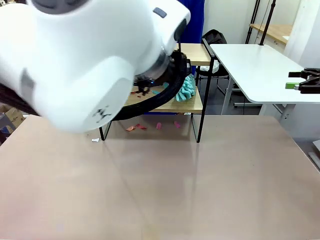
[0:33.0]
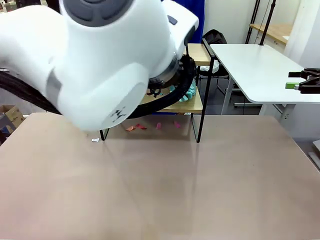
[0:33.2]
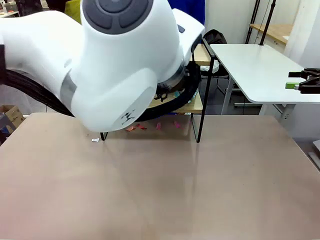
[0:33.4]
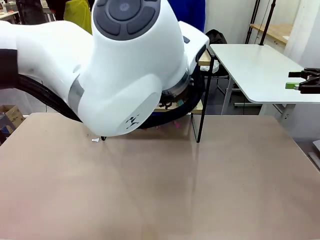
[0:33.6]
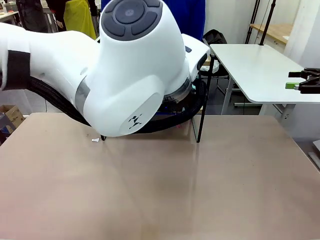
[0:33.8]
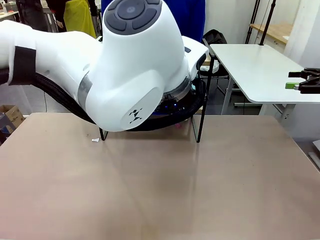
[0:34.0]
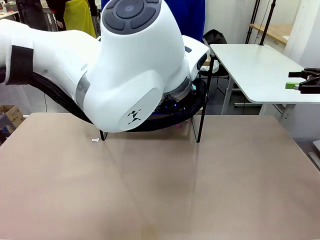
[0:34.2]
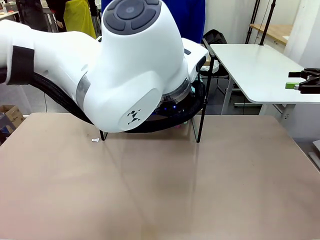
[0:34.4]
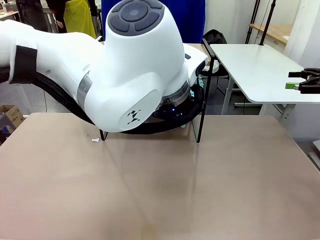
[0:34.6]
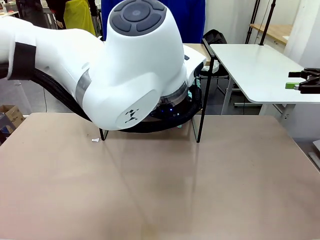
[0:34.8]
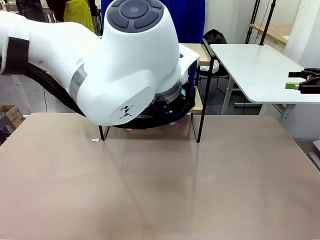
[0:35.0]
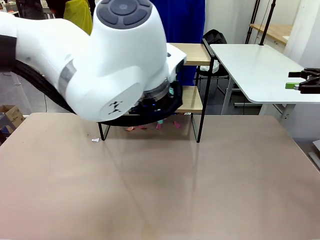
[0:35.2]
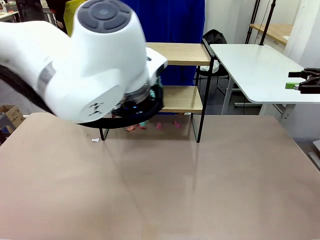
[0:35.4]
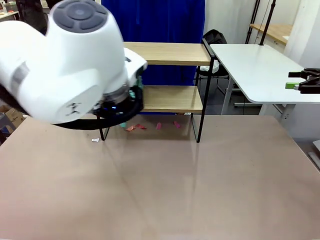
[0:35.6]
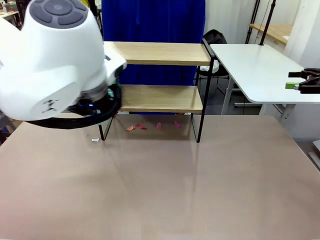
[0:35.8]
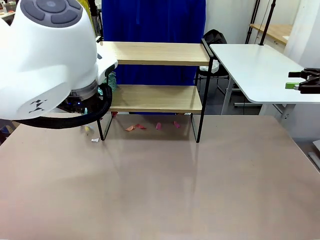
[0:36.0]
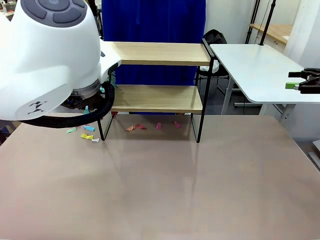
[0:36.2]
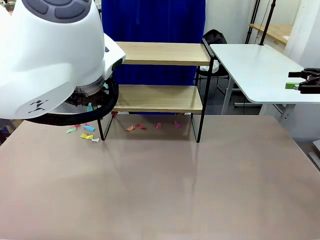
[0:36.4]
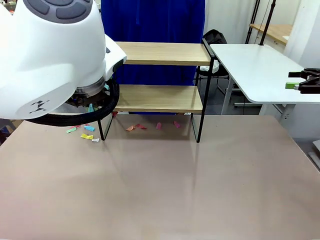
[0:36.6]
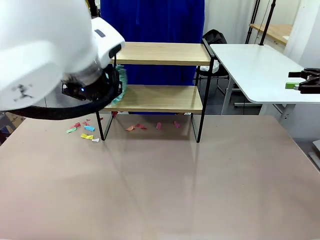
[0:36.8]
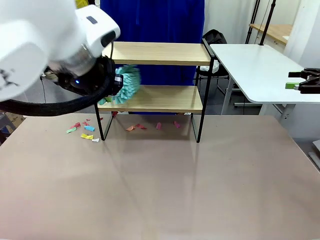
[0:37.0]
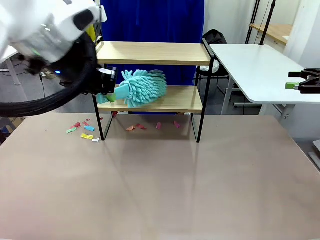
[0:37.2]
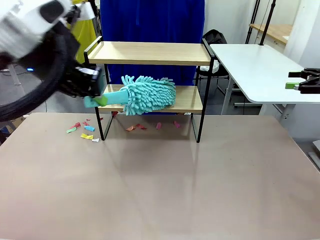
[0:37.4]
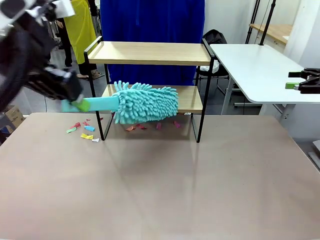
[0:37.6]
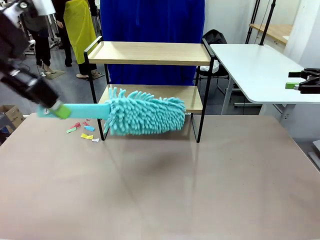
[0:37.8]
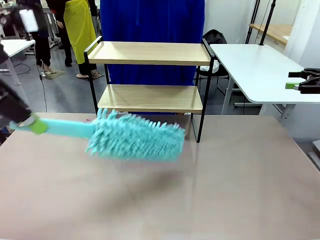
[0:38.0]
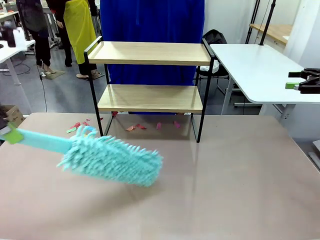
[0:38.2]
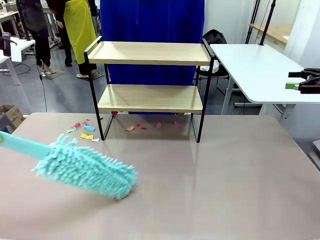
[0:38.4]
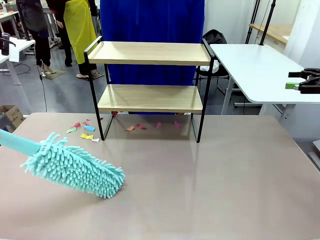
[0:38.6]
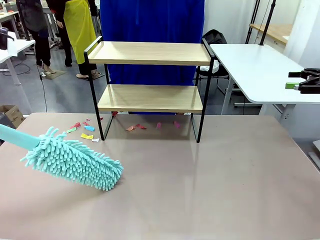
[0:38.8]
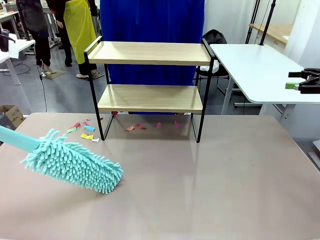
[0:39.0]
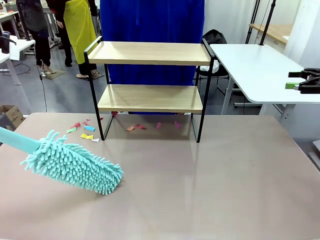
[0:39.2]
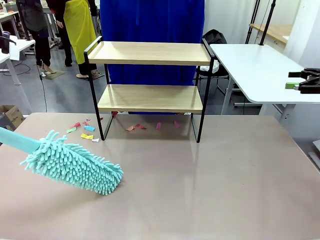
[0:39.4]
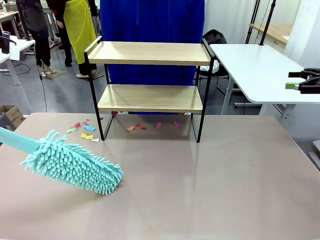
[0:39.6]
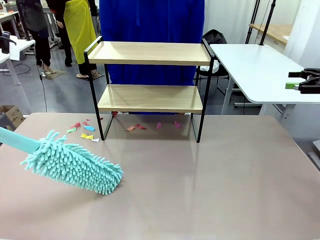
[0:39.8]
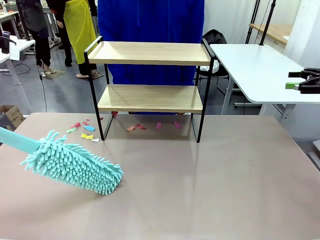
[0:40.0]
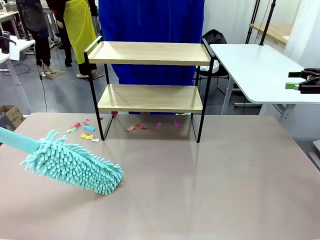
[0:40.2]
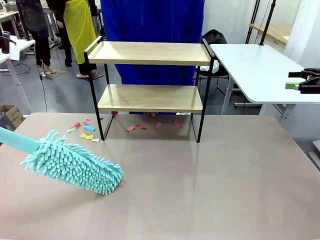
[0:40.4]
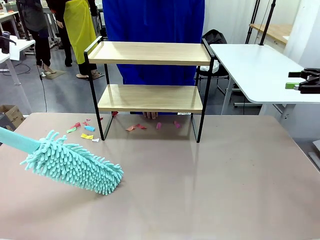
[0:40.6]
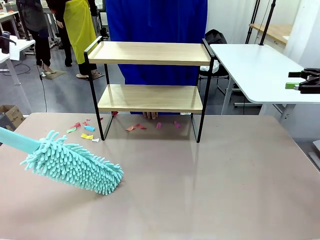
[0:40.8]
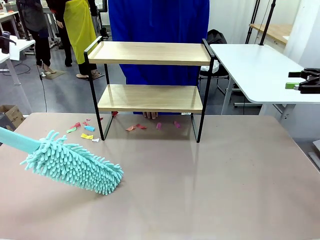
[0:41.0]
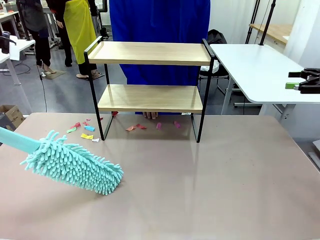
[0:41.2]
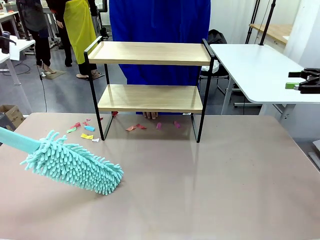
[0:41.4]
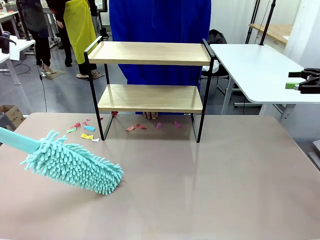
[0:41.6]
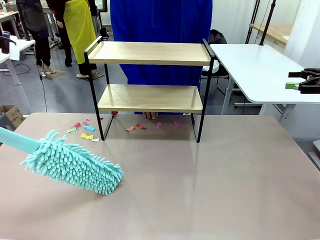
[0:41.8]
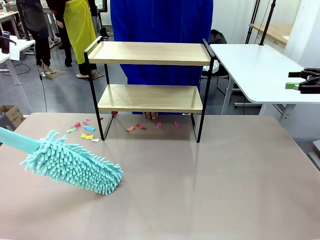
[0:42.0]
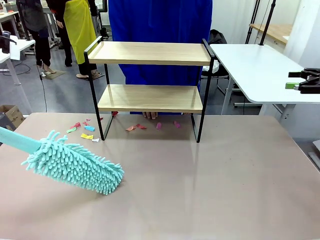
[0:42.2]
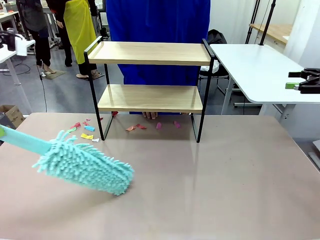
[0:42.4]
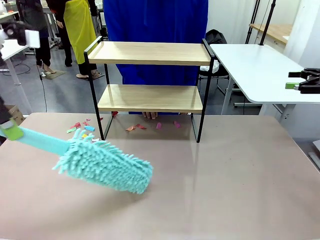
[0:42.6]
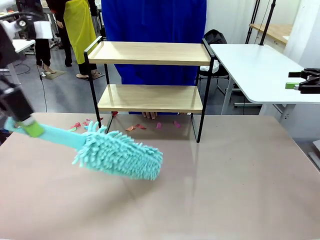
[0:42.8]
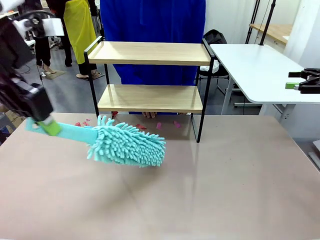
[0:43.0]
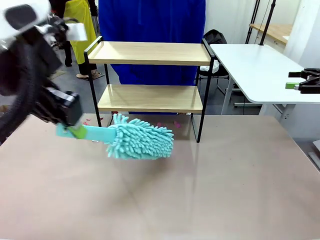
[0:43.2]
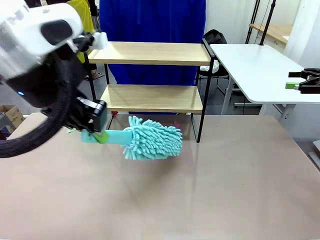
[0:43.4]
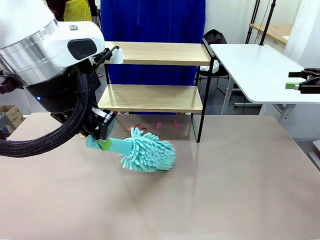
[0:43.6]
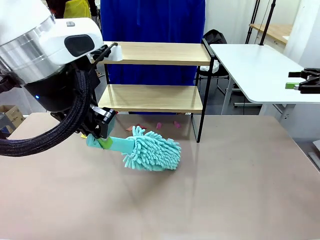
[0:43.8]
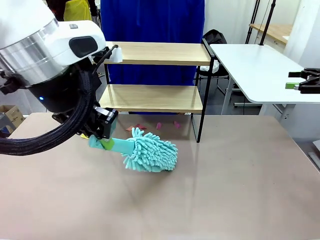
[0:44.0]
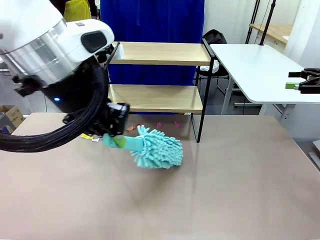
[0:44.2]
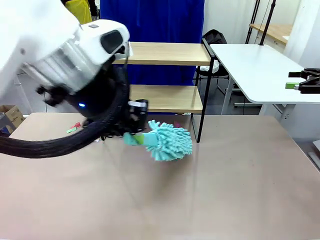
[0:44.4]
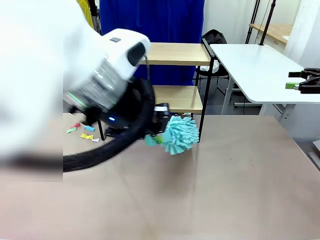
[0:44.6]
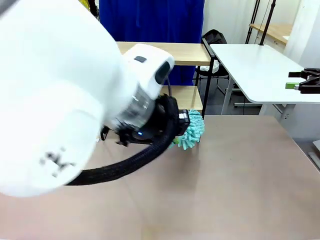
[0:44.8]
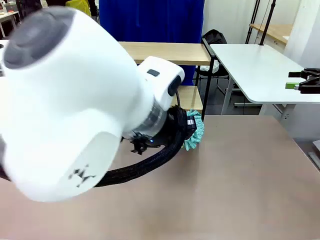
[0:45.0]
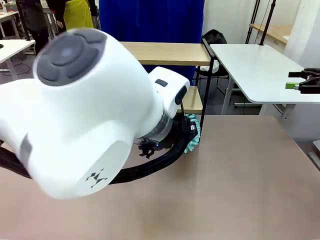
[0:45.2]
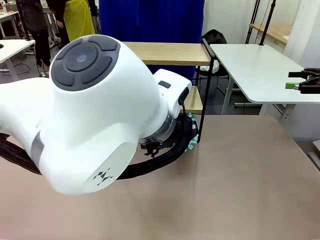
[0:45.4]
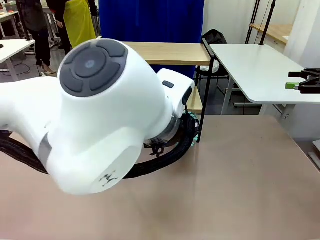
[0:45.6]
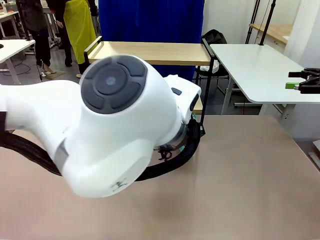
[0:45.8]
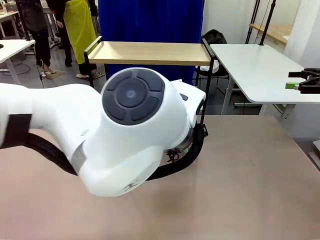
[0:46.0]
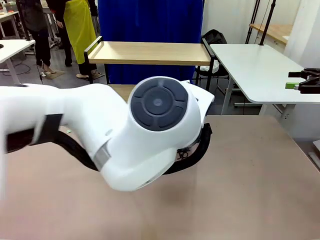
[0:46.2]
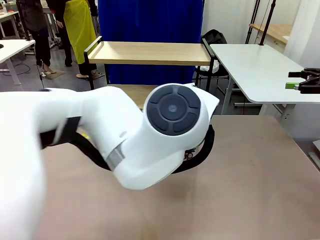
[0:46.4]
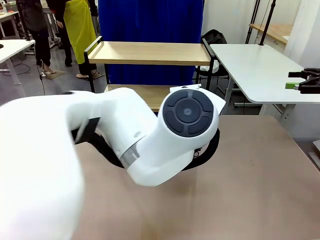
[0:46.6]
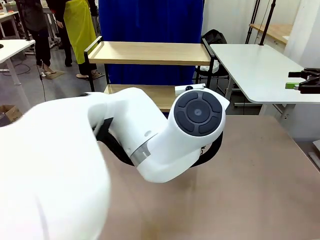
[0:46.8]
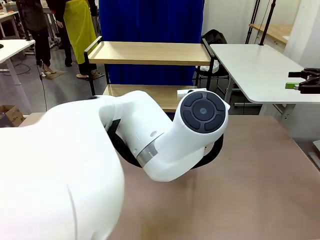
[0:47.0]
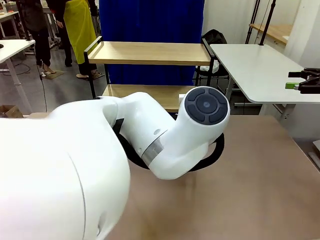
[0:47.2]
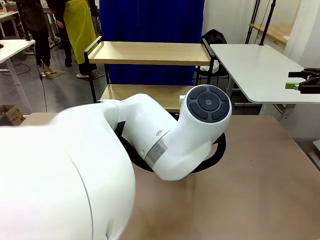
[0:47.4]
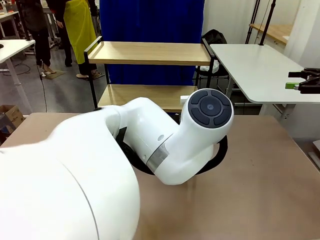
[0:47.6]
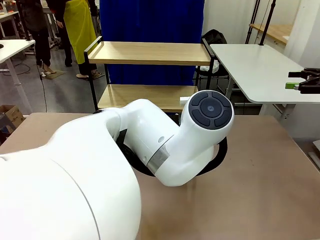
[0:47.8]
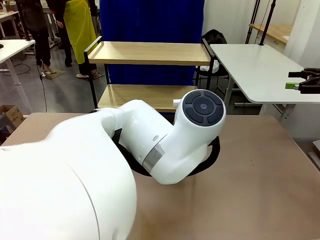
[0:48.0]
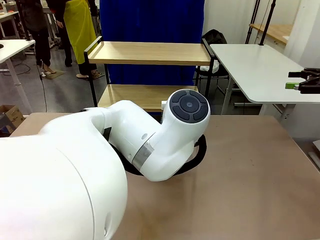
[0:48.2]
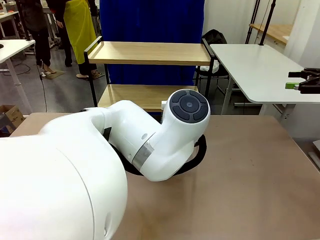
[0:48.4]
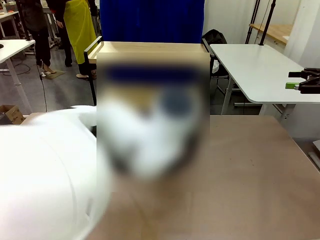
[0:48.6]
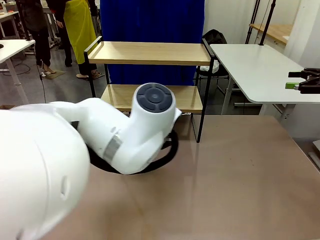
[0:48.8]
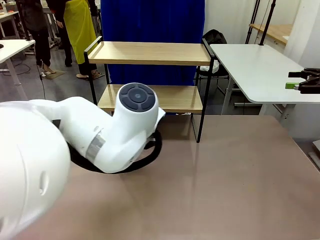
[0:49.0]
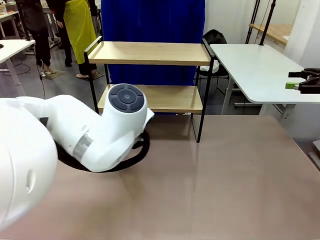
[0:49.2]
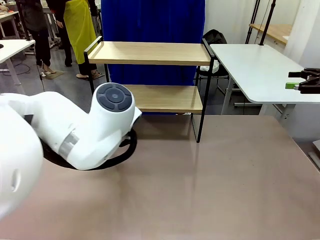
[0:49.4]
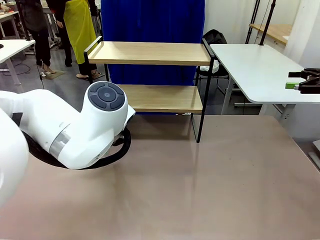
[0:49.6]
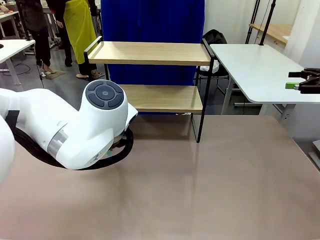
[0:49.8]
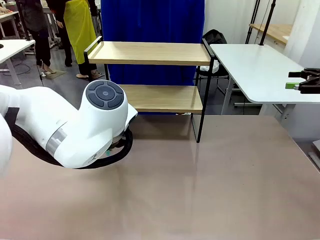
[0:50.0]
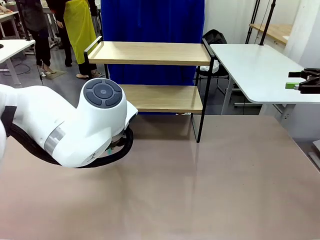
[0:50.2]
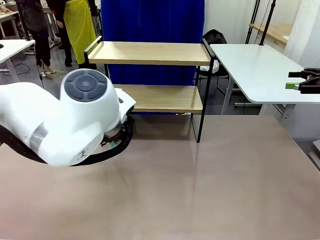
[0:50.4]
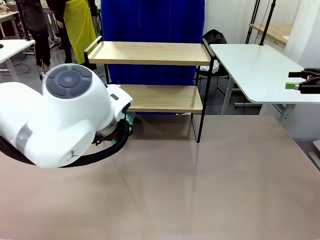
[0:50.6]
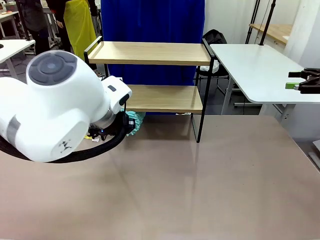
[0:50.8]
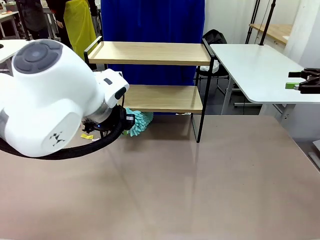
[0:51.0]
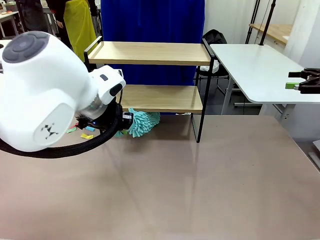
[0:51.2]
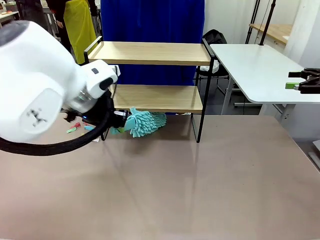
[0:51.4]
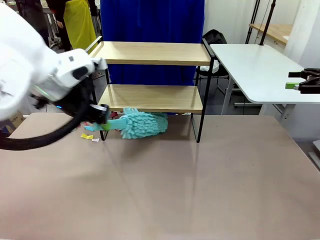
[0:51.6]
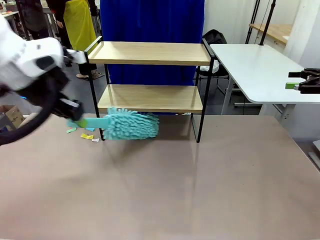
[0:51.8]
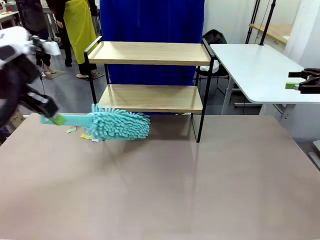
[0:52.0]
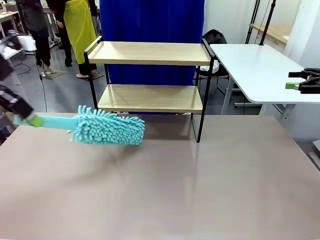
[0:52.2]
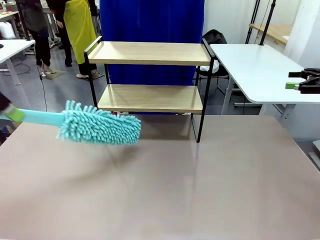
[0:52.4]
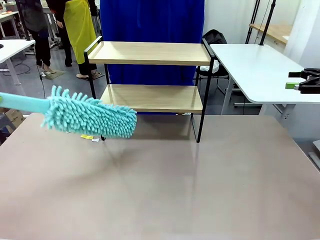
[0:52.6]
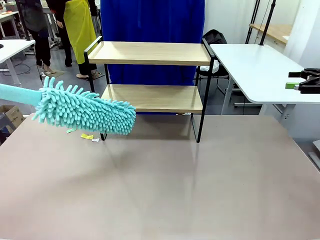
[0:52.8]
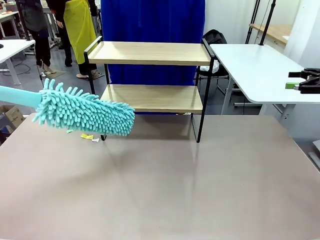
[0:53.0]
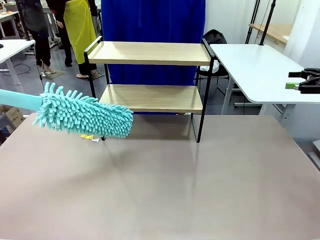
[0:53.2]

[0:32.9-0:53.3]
Task: Clean the shelf.
Robot: Clean the specific section of the Shelf indicated by the human with the Duster.
Person: Point a remaining section of the Shelf.
